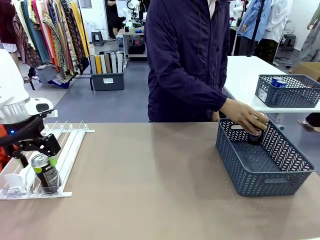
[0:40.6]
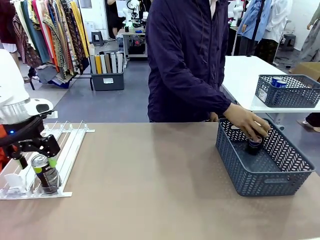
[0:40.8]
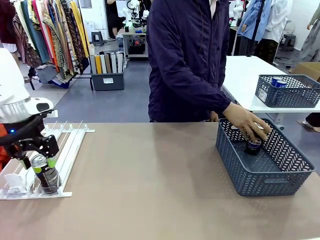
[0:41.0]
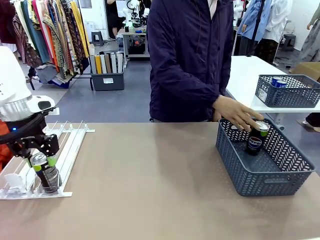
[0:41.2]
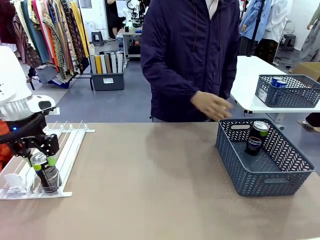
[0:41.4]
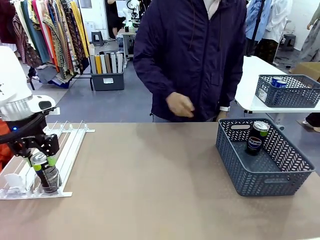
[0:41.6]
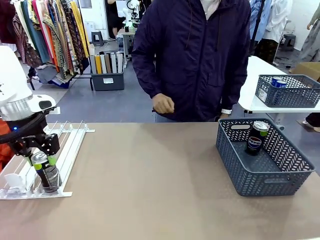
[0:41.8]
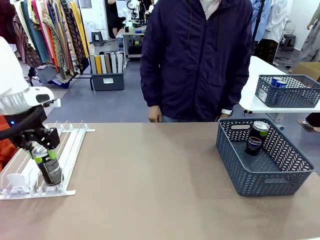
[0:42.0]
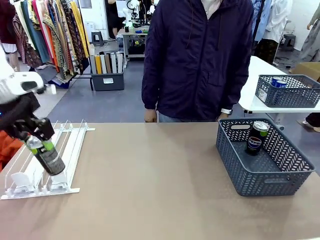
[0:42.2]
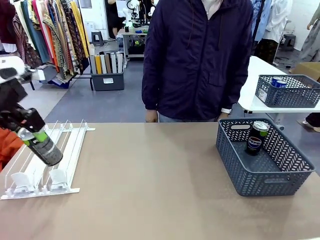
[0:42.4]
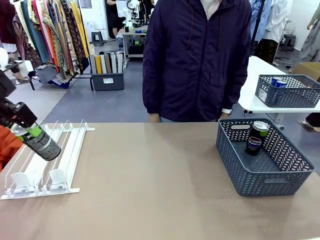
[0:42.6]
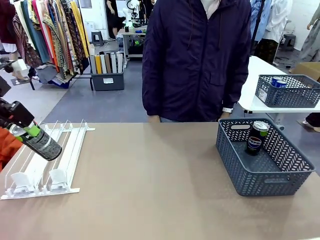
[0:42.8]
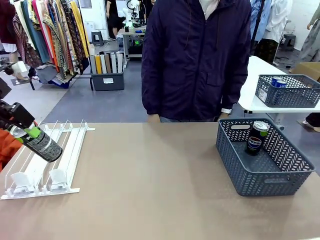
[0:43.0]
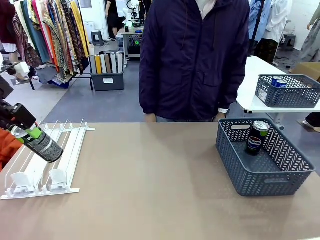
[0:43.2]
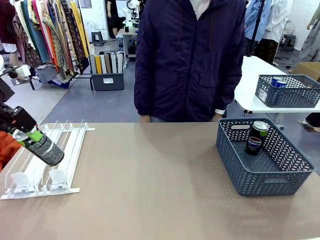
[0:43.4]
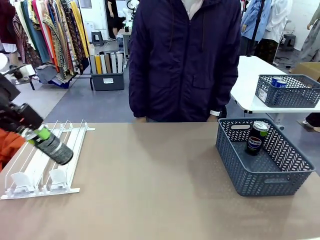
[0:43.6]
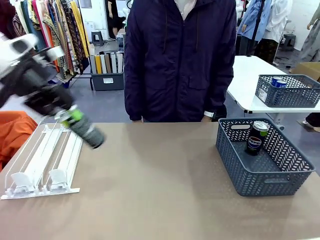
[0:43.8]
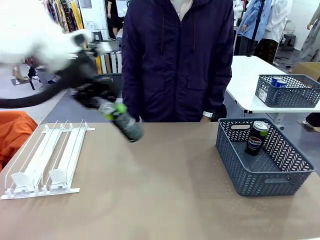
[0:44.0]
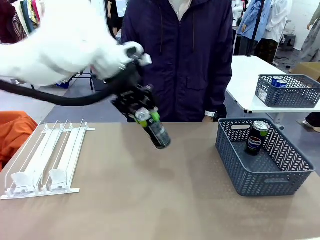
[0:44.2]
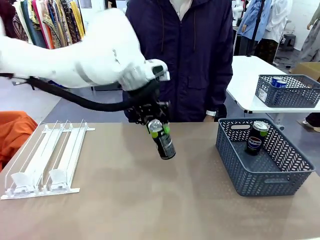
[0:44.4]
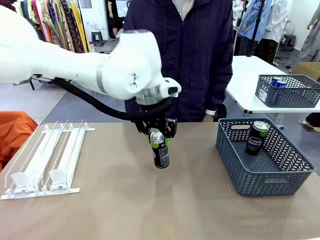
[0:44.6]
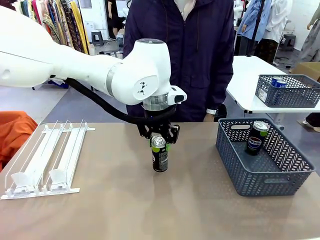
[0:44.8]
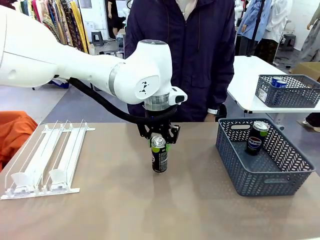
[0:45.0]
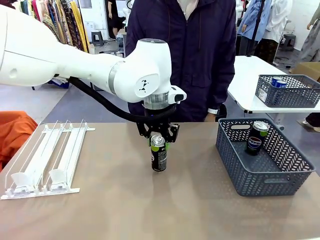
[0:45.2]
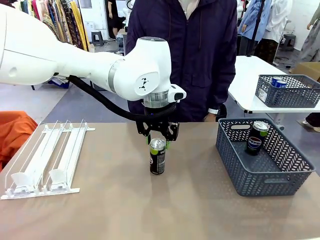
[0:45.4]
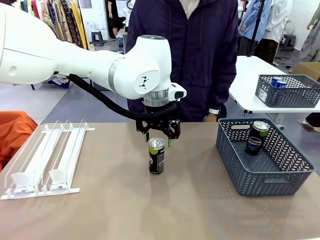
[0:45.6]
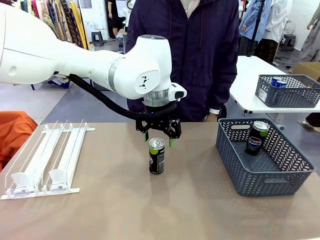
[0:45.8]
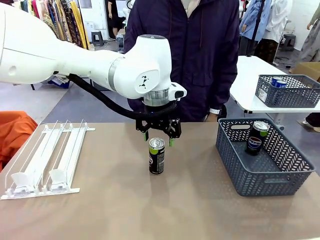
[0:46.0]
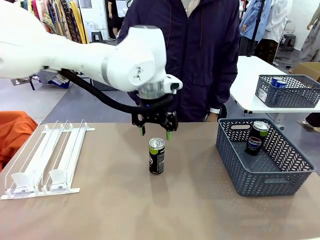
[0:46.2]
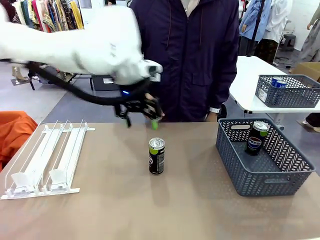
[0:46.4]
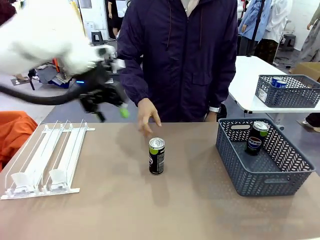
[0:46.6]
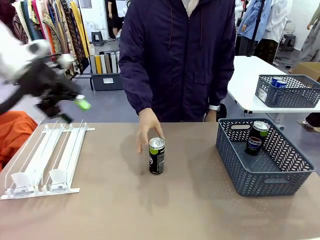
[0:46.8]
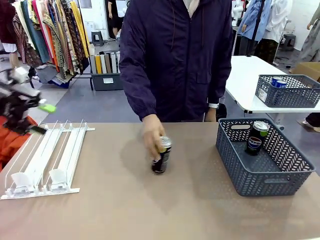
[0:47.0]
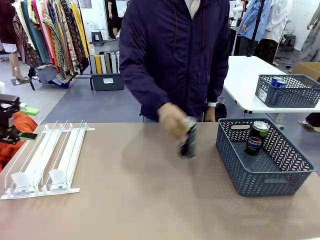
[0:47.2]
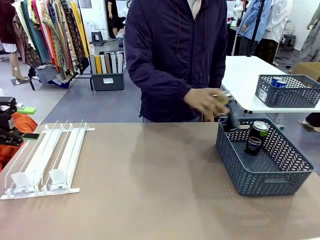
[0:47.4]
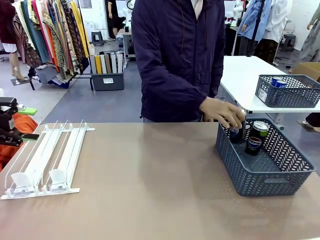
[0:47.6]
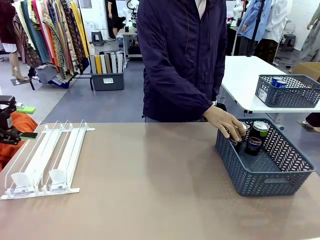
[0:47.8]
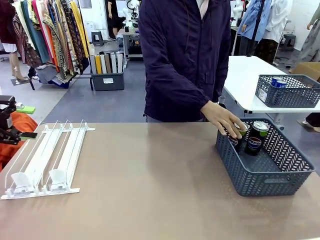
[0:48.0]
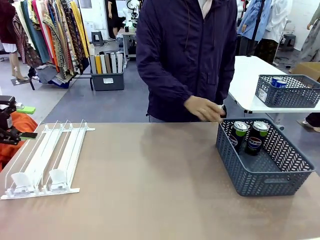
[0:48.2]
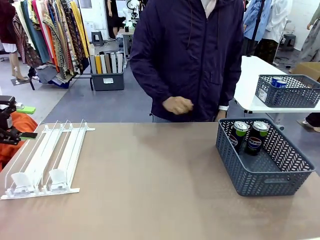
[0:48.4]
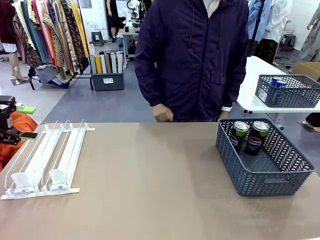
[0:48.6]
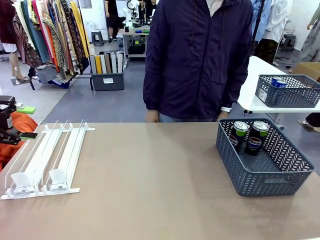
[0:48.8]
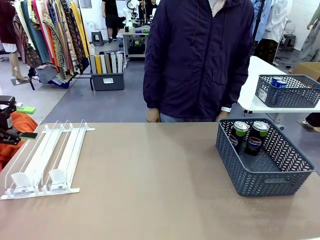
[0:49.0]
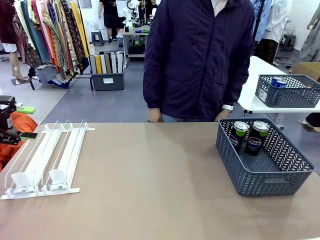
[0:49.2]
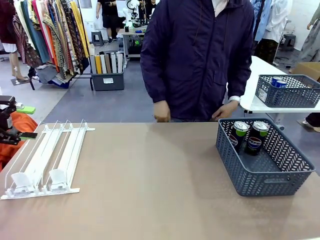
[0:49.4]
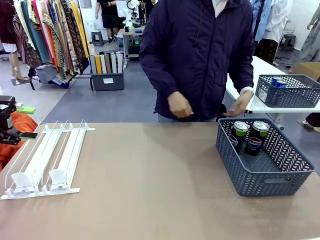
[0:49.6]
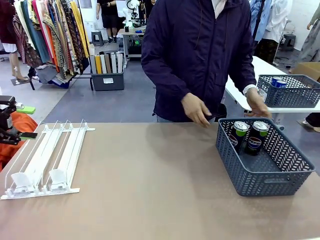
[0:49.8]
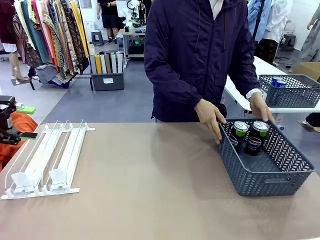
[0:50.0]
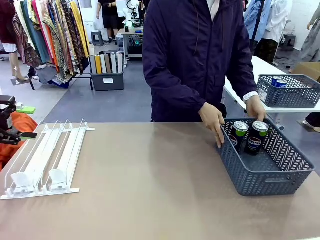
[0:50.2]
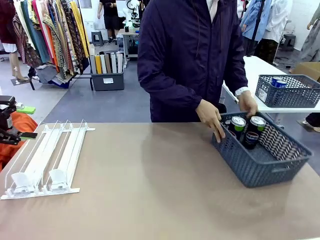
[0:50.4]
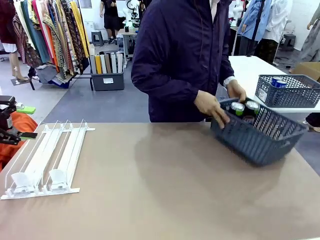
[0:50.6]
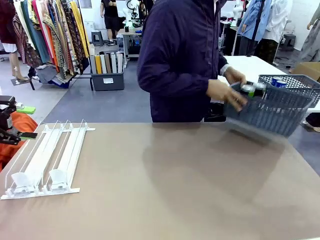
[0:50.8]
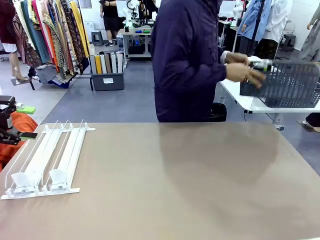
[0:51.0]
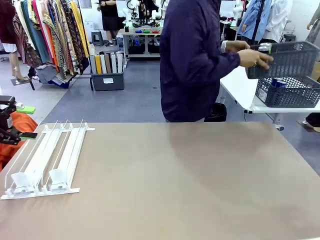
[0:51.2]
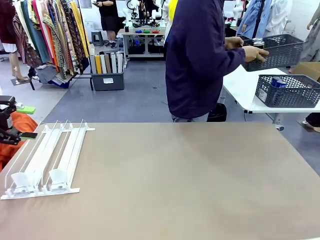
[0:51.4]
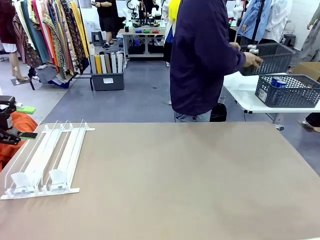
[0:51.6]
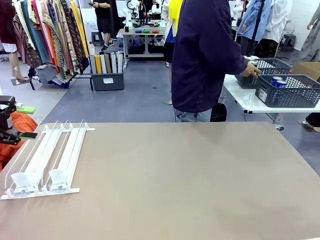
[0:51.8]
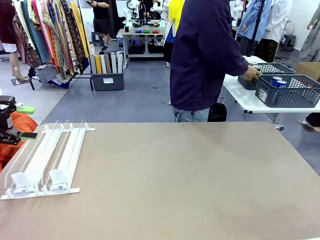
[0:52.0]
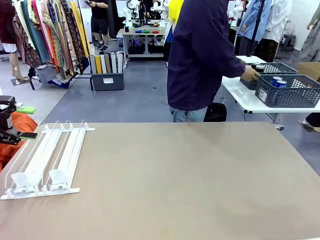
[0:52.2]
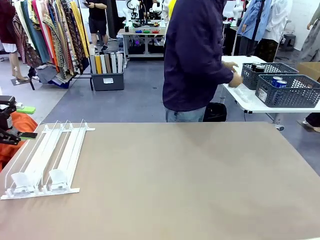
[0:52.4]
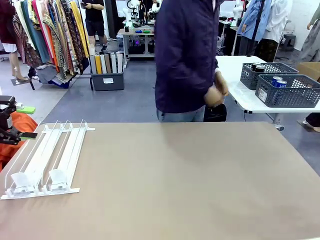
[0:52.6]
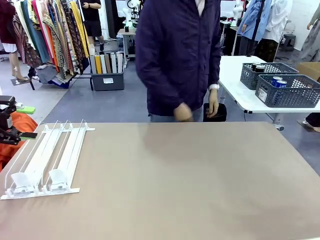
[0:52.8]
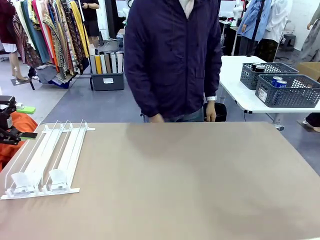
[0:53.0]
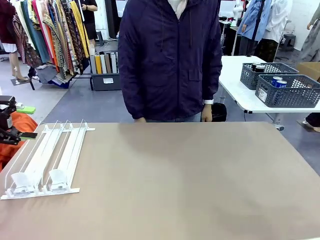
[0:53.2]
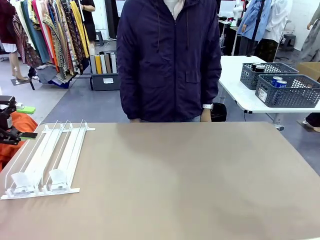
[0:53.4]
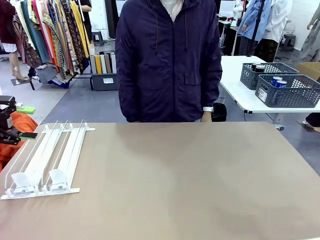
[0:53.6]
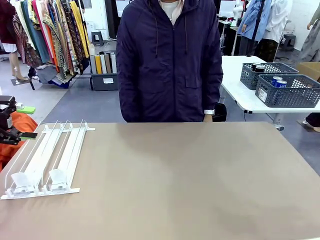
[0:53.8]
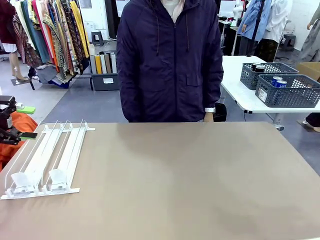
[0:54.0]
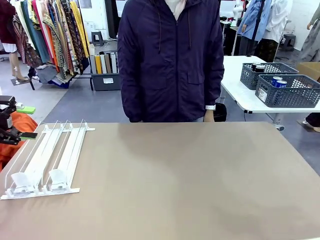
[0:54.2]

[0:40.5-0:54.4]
Task: Retrieve and store the cans from the dispenser.
Robot: Pick up one can from the Automatic Can Dispenser and place it in the middle of the table.
Person: Pick up one sports drink can from the middle of the robot table and place it in the basket. Pick up the basket and place it in the middle of the human table.

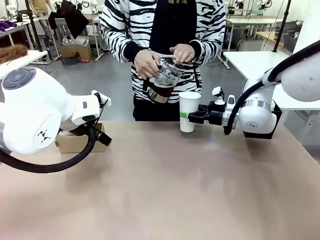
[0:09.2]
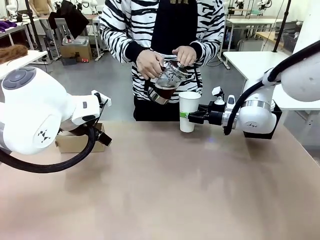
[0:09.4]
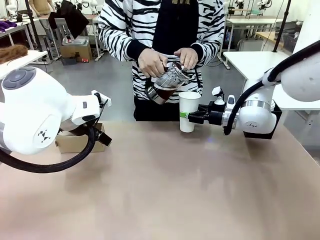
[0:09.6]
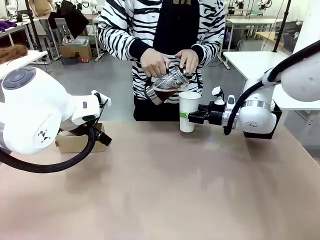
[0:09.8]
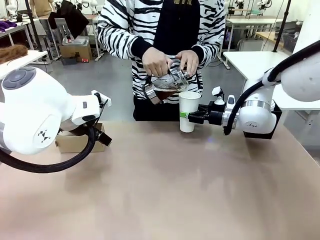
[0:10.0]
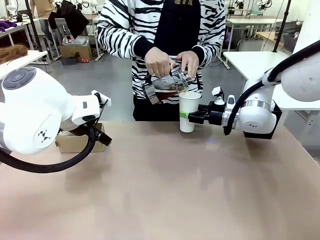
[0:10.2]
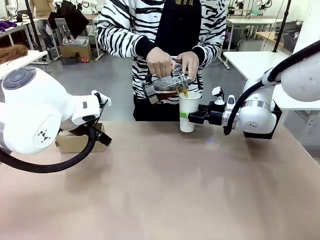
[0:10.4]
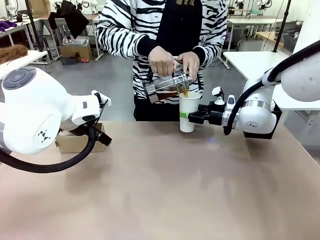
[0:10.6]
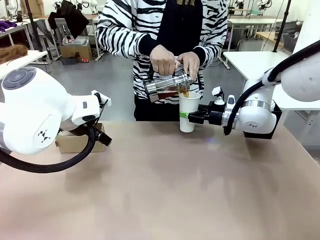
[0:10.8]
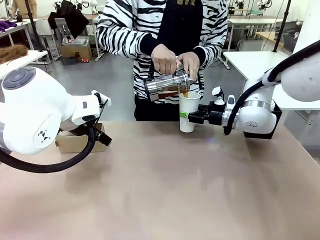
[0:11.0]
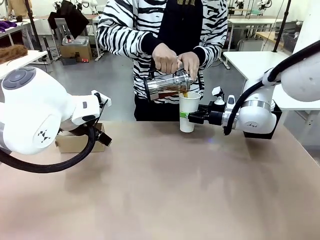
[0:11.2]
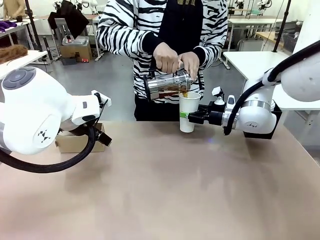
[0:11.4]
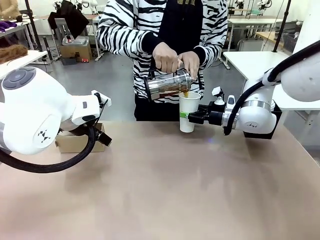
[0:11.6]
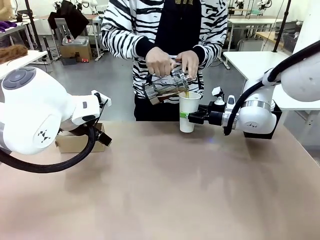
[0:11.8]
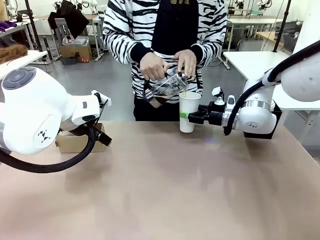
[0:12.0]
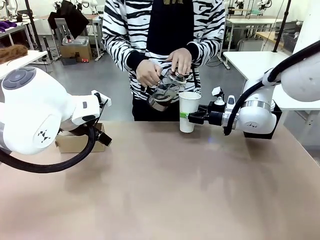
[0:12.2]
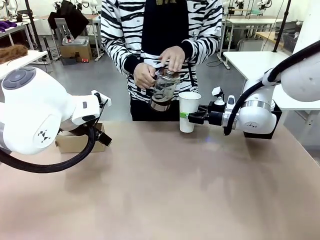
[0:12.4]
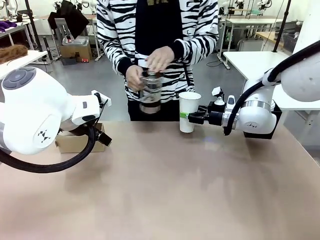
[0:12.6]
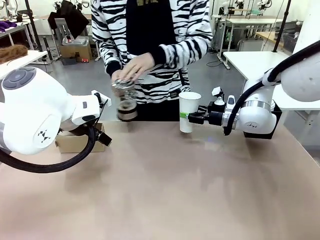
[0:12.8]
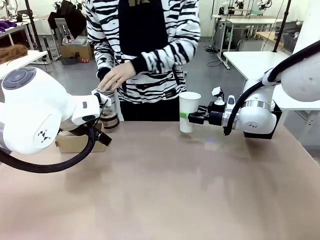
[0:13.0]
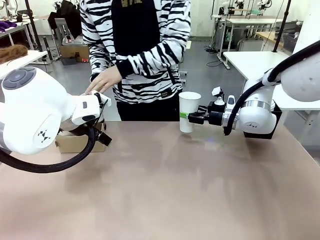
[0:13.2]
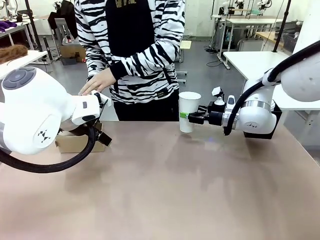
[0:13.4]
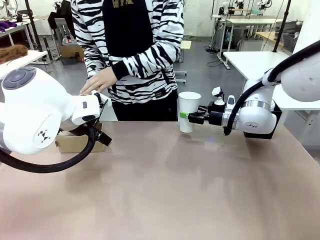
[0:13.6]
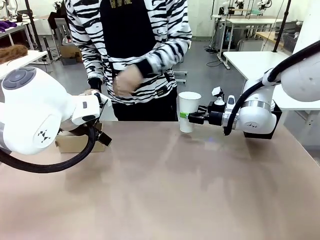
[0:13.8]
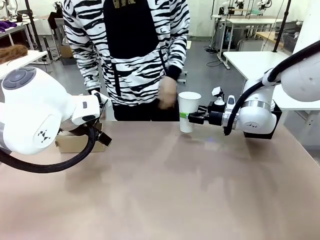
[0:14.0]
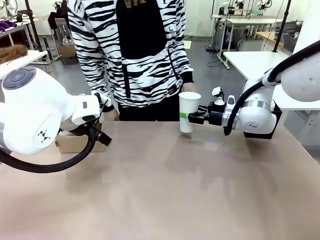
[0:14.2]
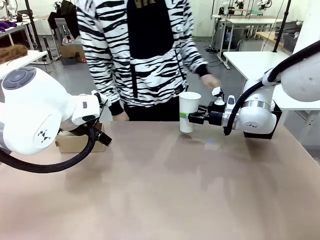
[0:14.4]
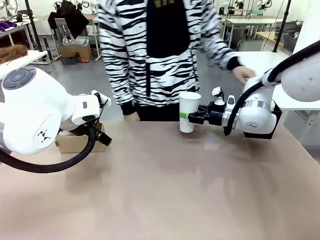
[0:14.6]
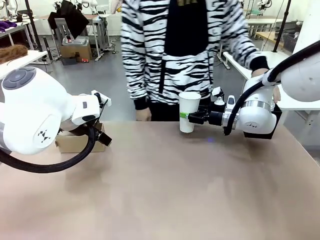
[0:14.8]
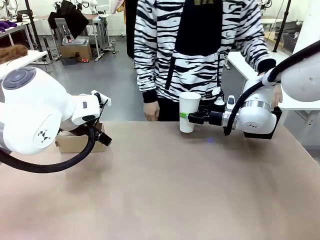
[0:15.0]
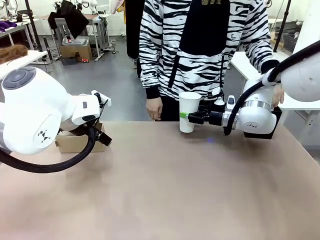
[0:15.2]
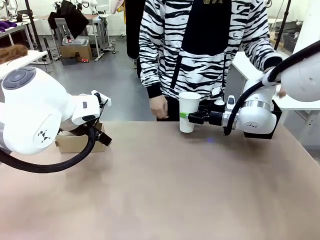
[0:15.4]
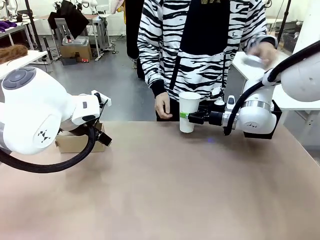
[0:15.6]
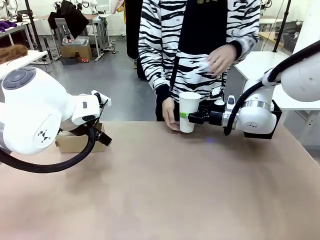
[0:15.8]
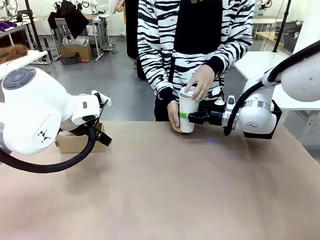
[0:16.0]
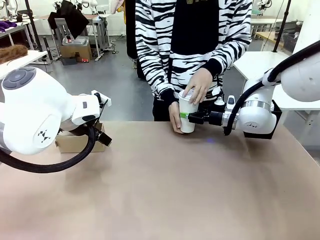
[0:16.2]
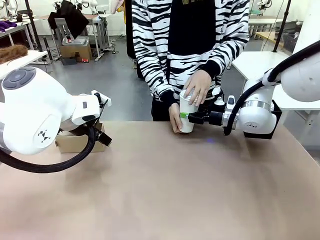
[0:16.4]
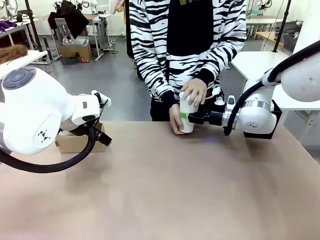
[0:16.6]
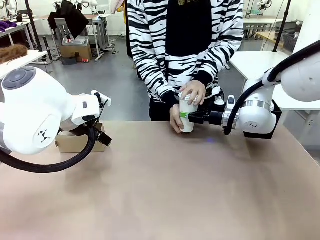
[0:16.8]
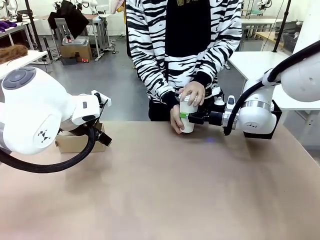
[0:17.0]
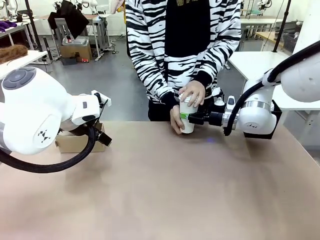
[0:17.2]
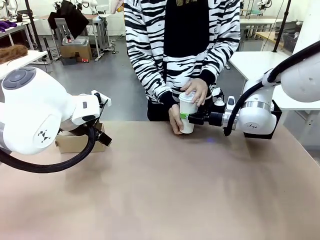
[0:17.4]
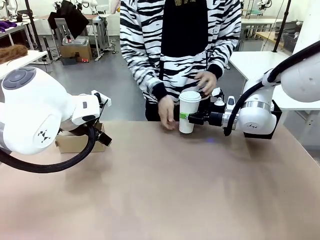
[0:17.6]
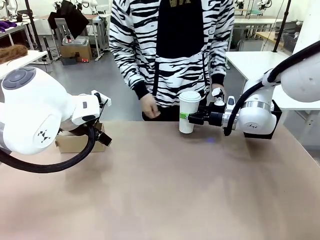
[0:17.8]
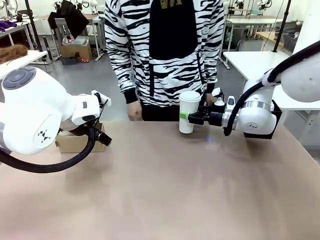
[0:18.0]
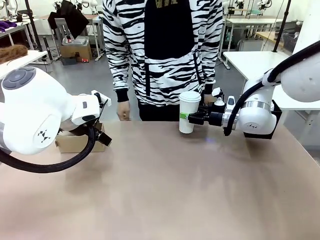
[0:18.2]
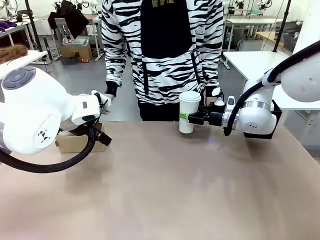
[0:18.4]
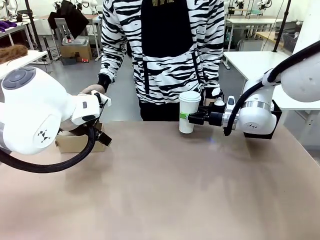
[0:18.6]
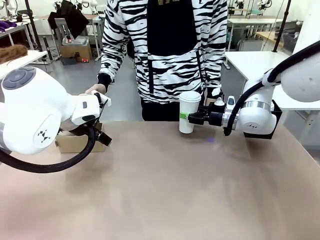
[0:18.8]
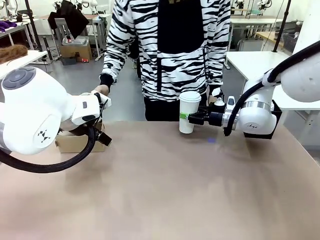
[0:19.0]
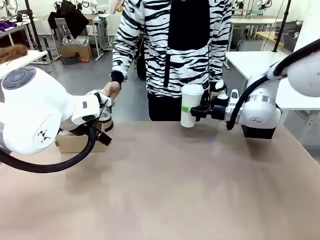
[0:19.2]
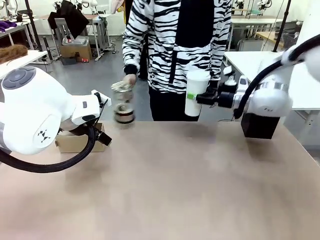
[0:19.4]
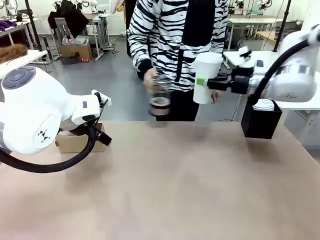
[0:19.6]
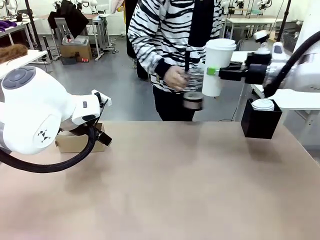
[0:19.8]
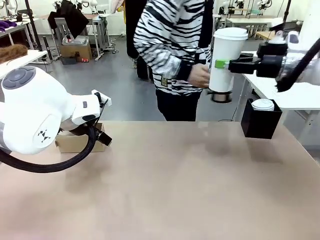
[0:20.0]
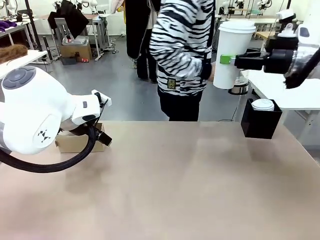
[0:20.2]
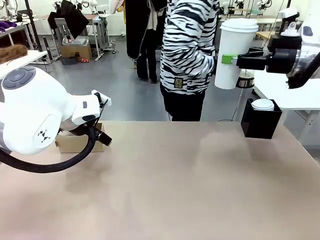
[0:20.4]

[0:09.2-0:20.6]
Task: Pour a drink into a cup and package it in a carrier.
Robot: When a person places the Paper Cup Lid on the 600 ml Paper Cup , lift the 600 ml Paper Cup.
Person: Pour the drink from the Filter Brewing into the 600 ml Paper Cup. Place a Paper Cup Lid on the 600 ml Paper Cup.
